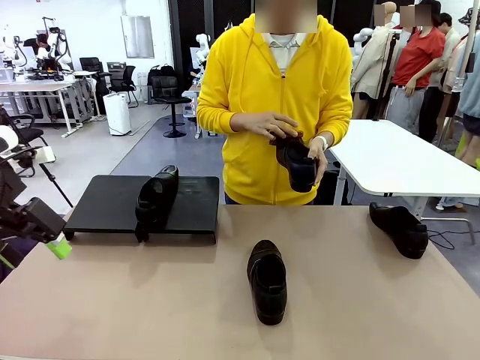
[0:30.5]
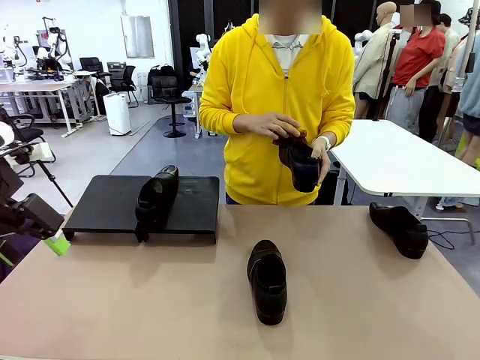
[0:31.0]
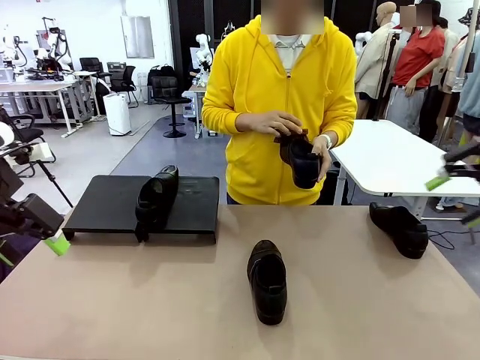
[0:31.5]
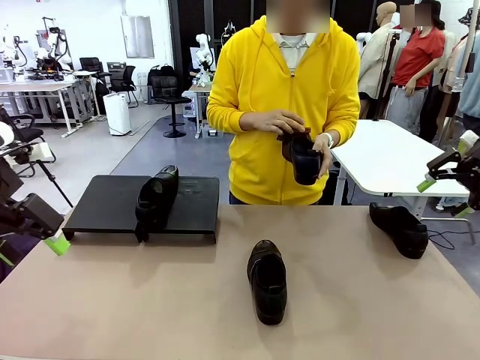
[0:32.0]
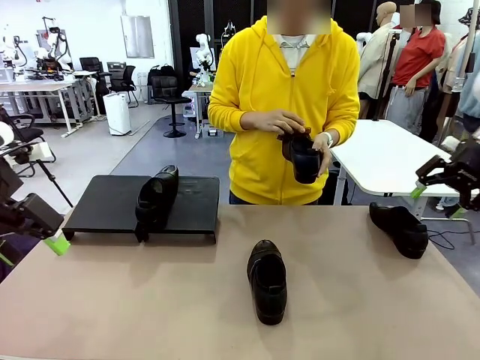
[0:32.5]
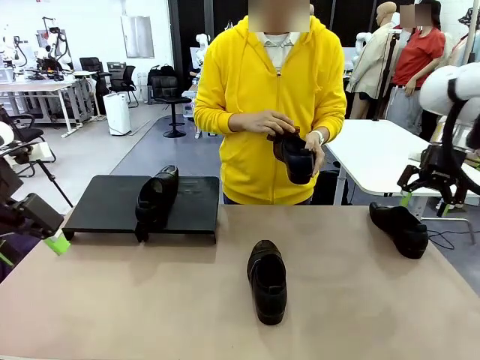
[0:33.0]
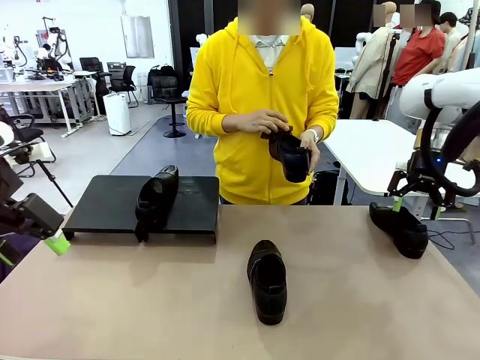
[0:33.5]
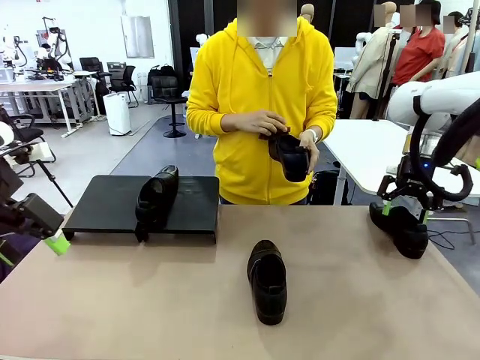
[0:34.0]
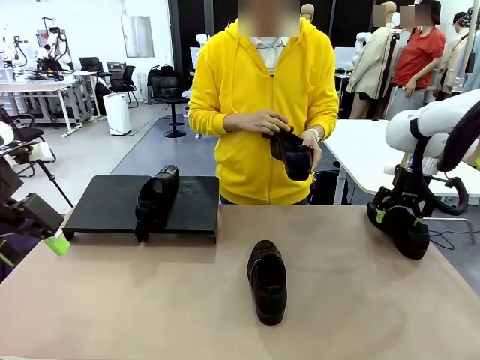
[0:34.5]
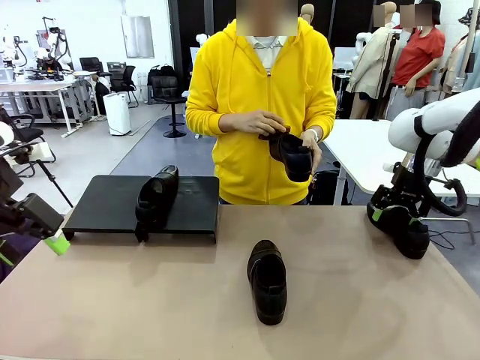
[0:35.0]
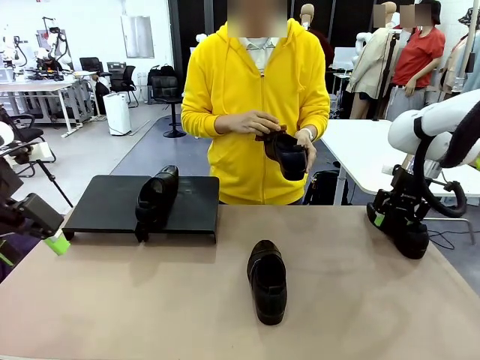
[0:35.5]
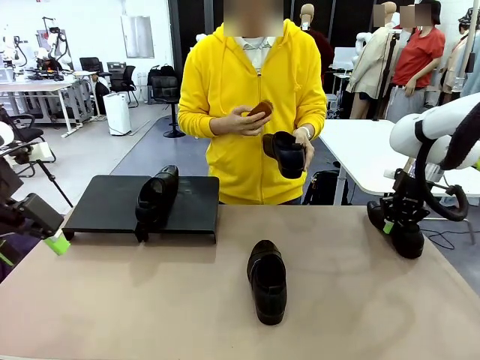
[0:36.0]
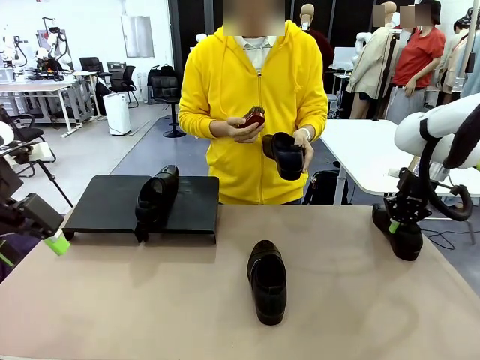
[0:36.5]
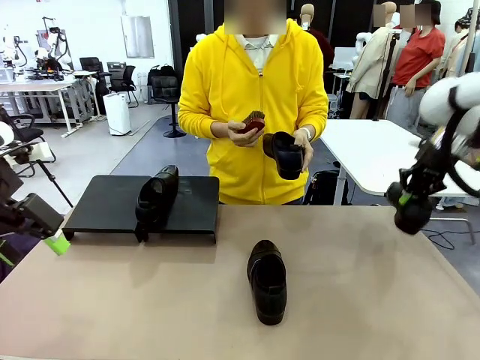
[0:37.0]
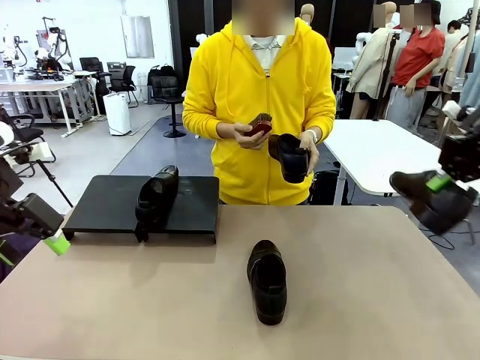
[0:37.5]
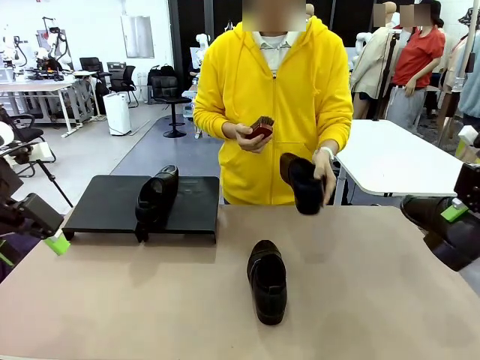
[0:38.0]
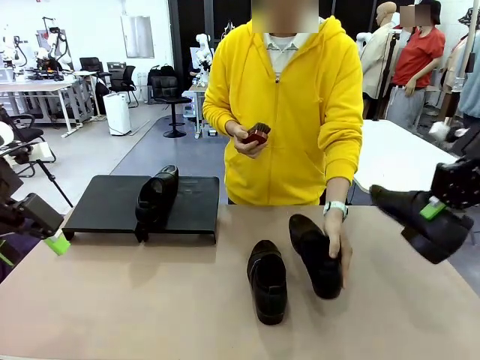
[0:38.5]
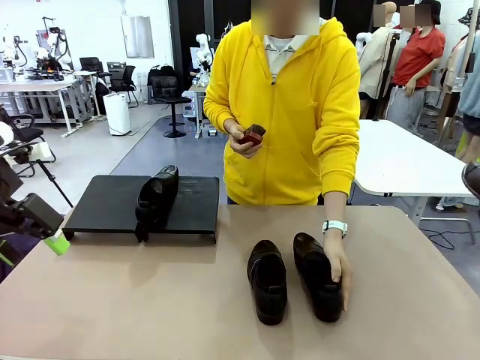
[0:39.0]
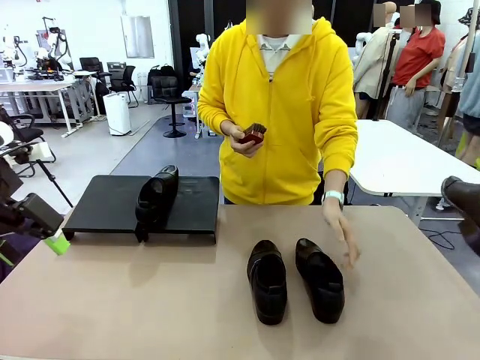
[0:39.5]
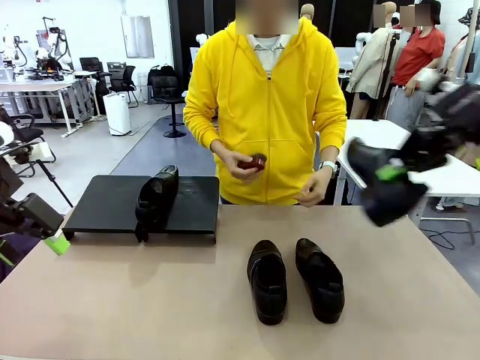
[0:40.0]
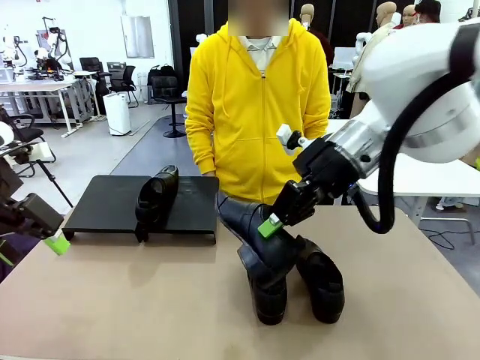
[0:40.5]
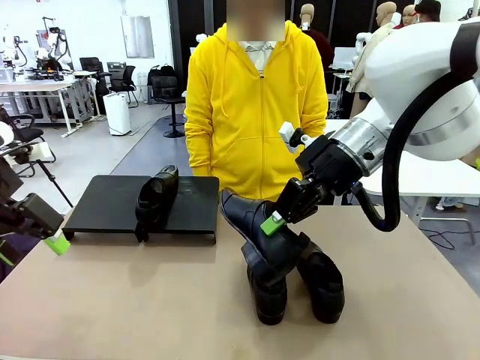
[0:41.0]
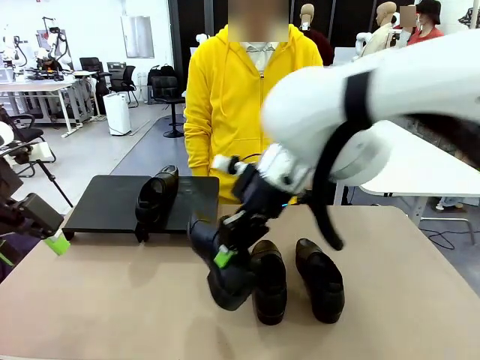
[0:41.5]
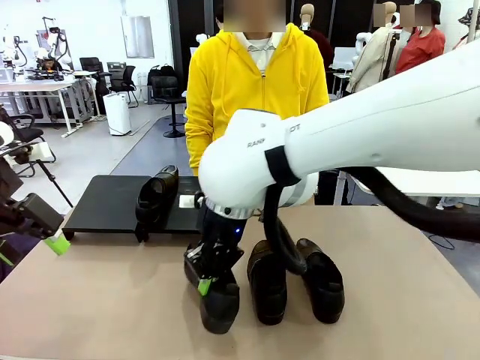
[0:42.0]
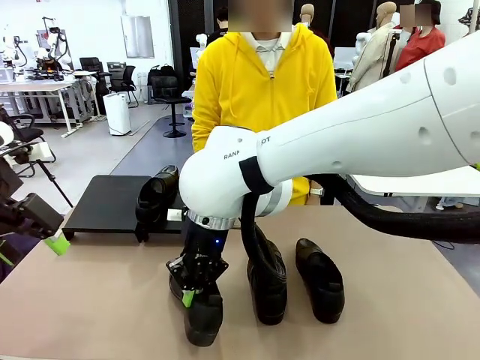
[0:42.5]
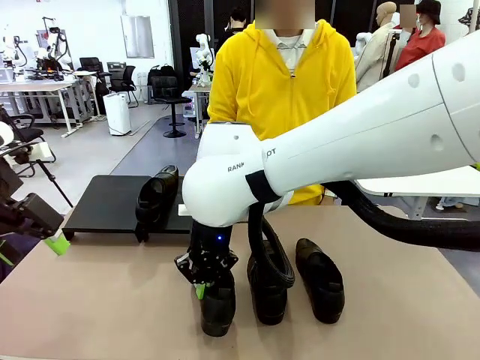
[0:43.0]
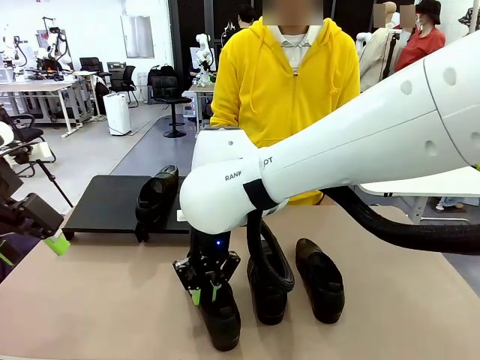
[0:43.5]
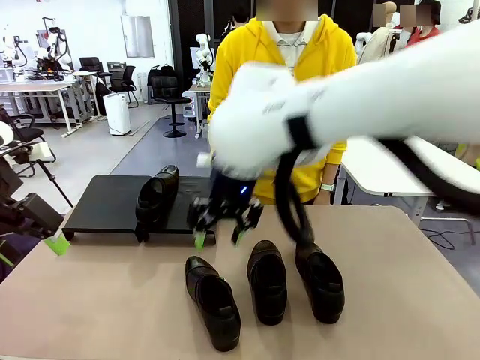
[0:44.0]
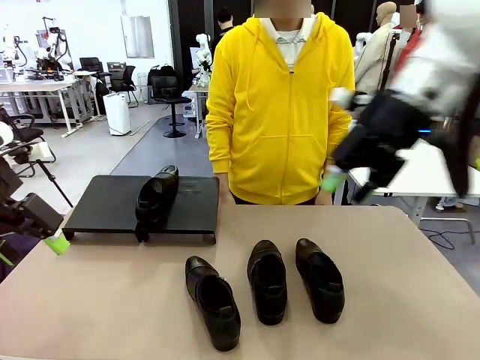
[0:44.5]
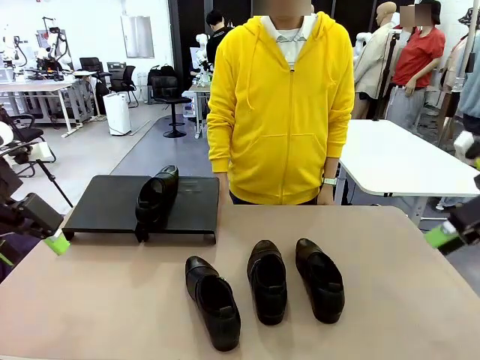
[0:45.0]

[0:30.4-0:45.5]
Task: Organize the shoes by placing them on the stand.
Robot: Pick up one Shoe and place it in the middle of the table.

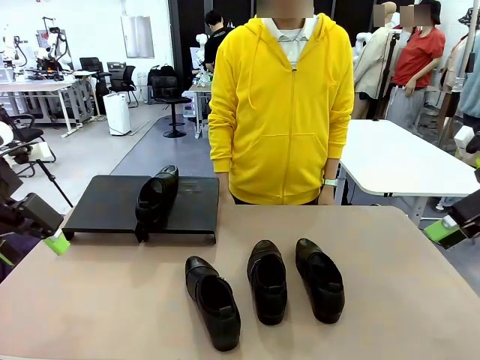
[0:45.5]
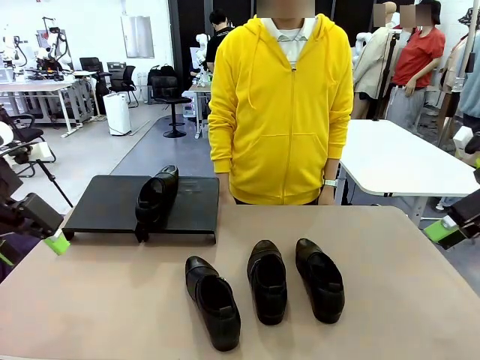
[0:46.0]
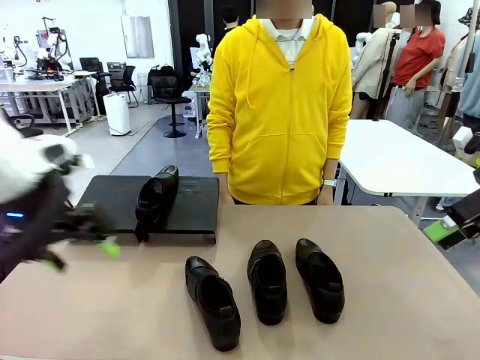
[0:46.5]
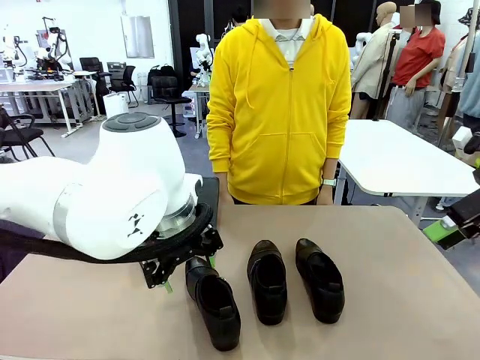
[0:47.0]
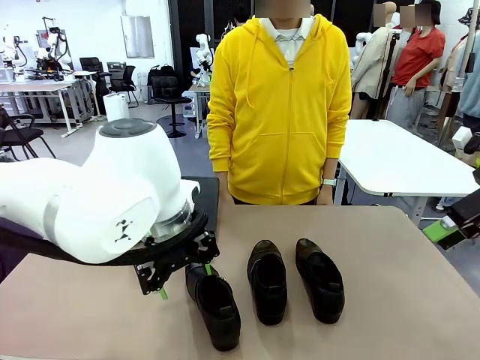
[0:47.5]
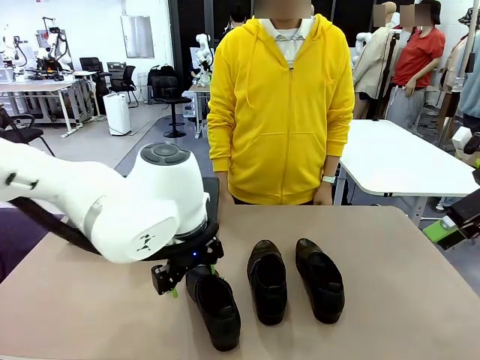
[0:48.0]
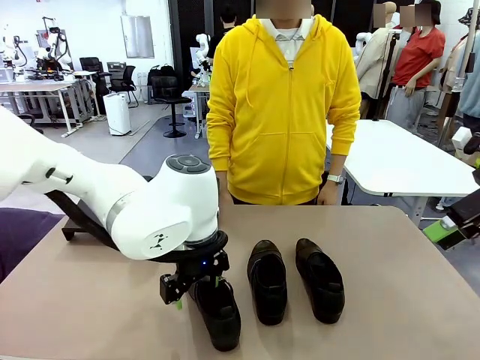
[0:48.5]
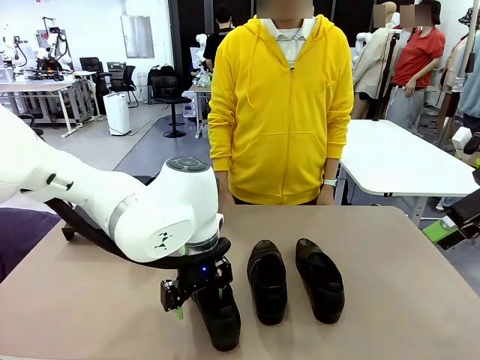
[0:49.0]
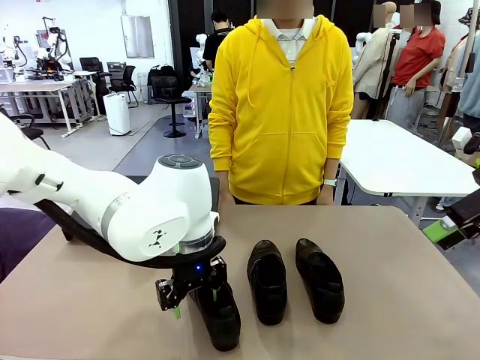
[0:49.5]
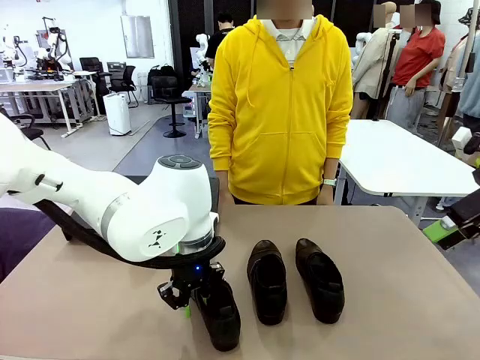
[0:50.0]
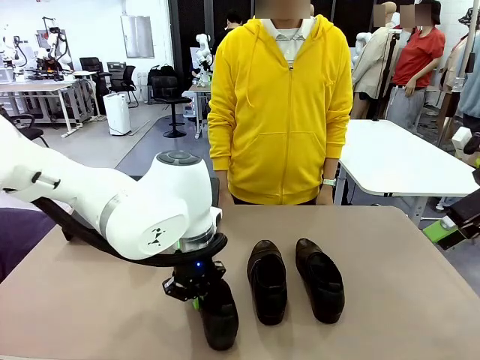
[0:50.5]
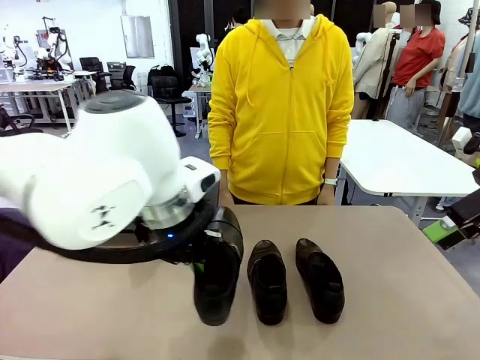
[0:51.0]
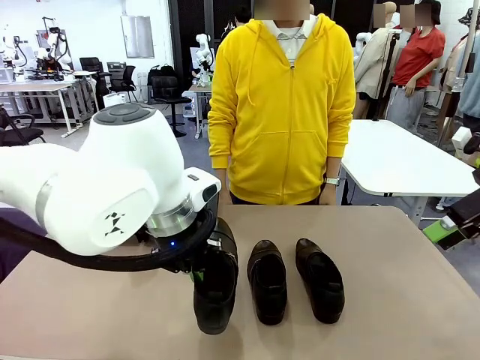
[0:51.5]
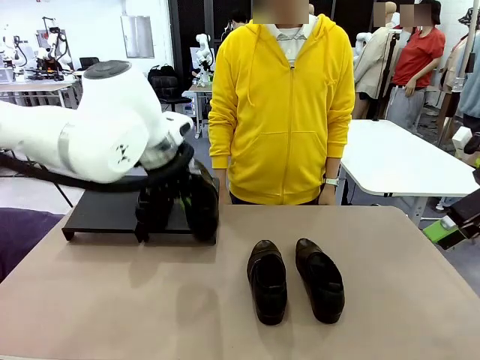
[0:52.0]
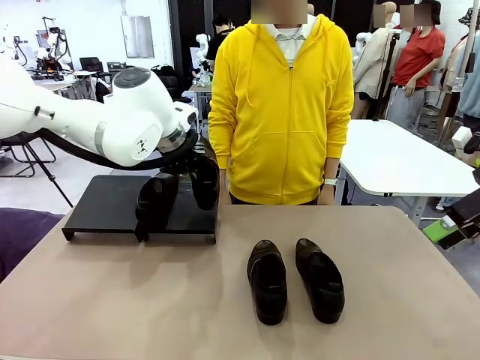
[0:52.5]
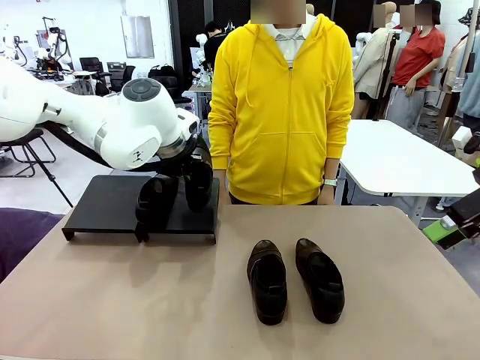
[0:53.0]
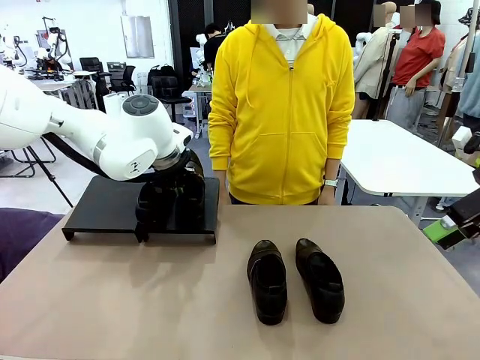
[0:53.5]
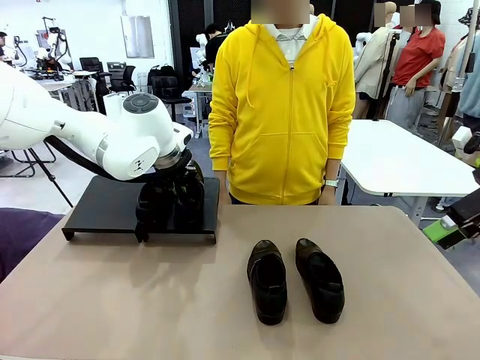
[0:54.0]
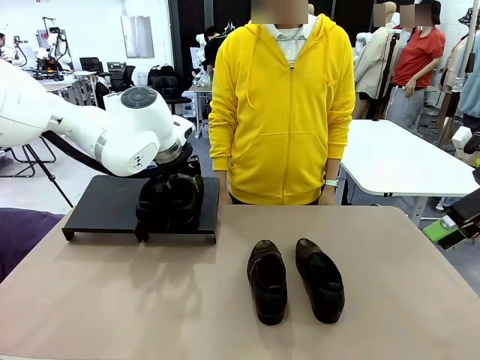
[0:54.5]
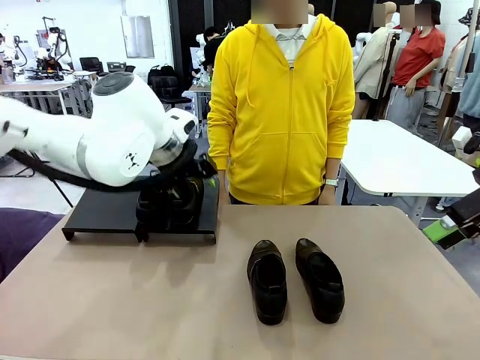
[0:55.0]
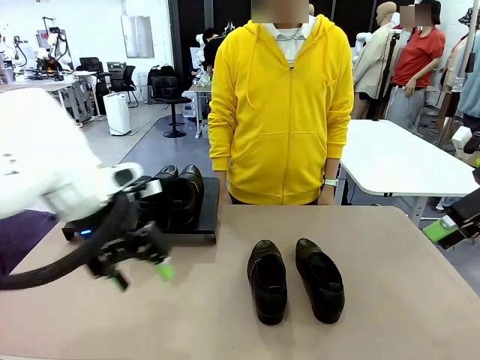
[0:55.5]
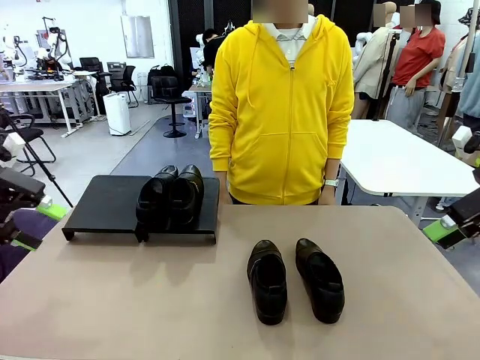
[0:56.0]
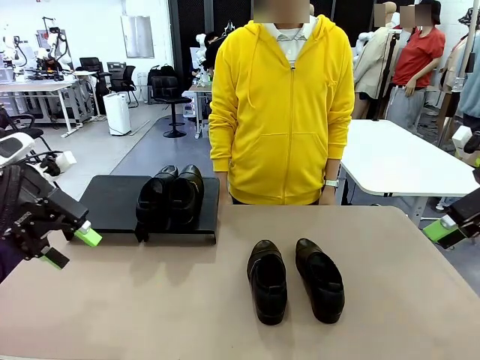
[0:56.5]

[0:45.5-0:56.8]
Robot: Place the Shoe from the middle of the table onto the Shoes Stand.

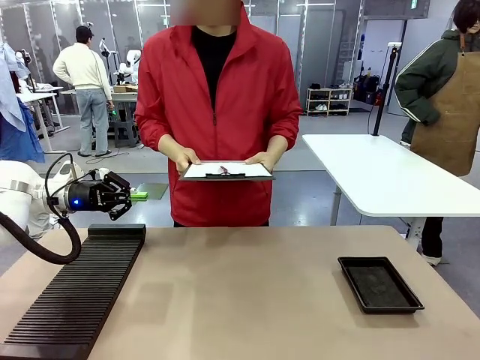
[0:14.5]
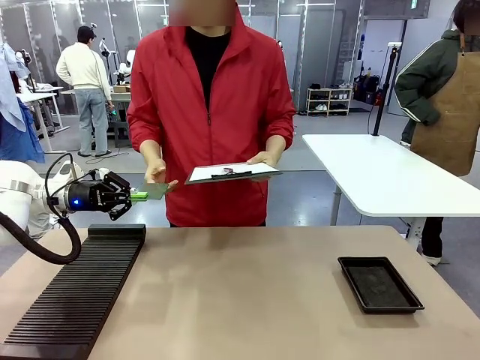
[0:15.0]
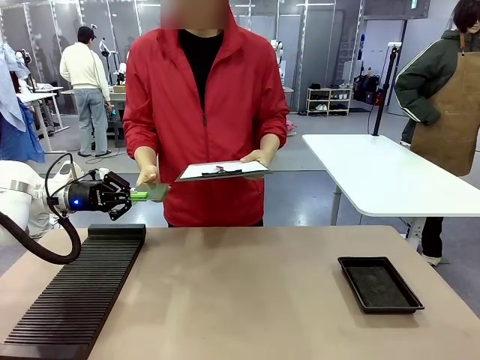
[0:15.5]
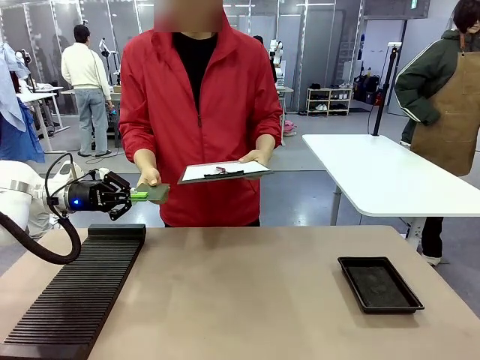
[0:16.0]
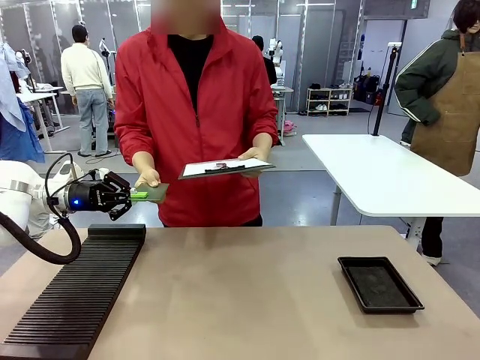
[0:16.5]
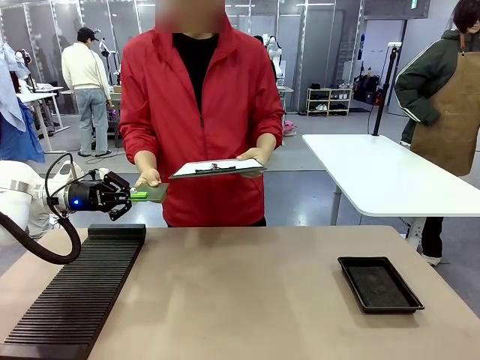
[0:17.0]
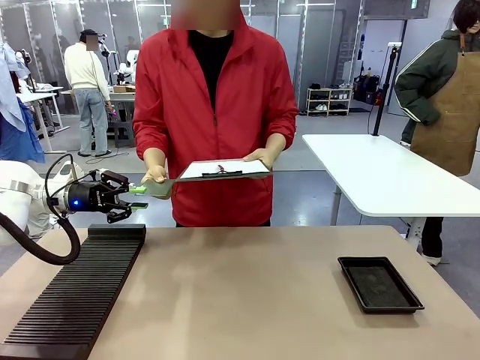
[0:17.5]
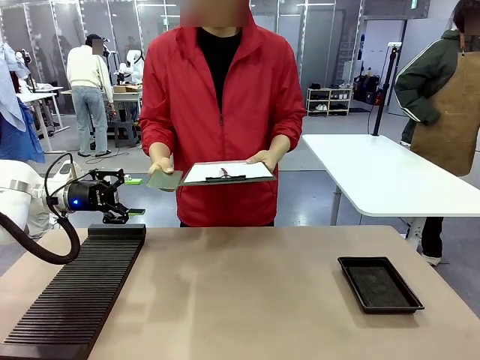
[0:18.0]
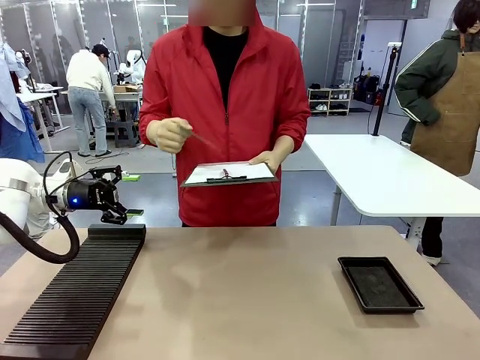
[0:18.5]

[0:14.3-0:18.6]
Task: Inspect the PCB.
Robot: Release the Blank PCB you were holding.
